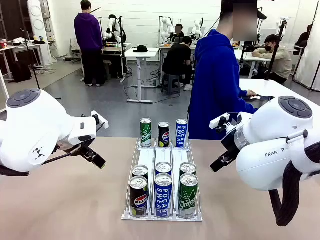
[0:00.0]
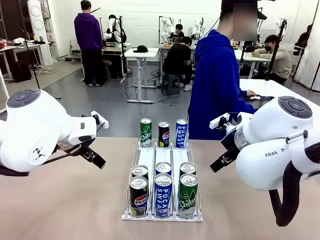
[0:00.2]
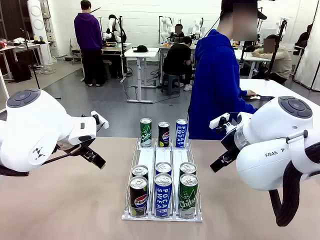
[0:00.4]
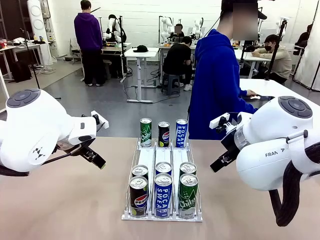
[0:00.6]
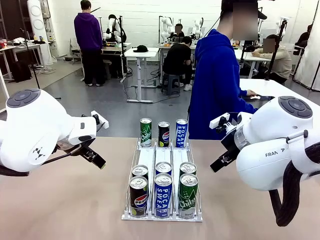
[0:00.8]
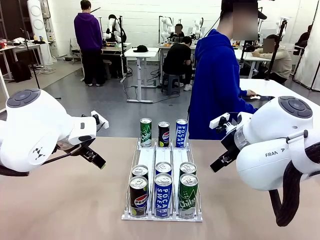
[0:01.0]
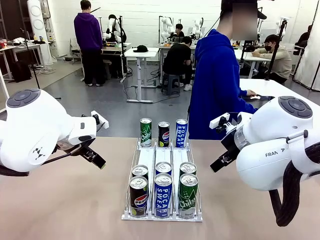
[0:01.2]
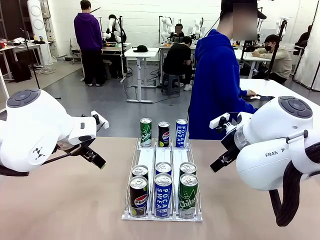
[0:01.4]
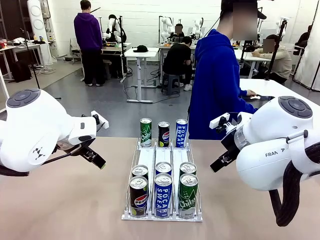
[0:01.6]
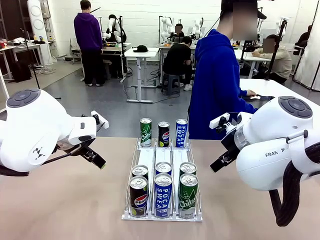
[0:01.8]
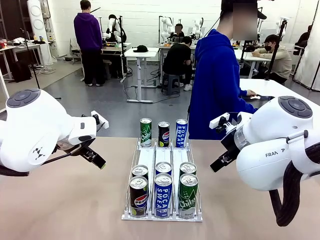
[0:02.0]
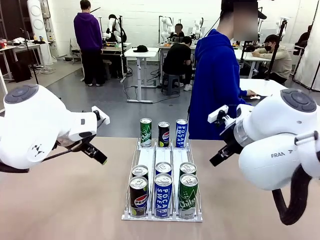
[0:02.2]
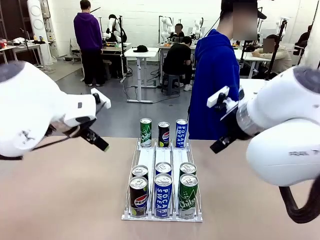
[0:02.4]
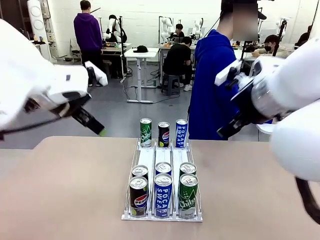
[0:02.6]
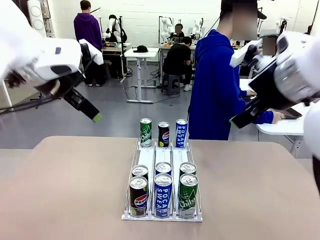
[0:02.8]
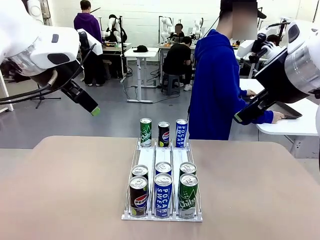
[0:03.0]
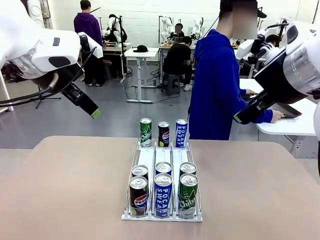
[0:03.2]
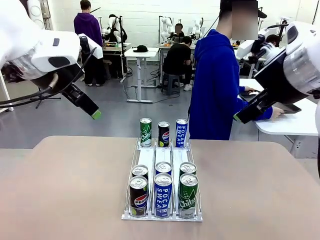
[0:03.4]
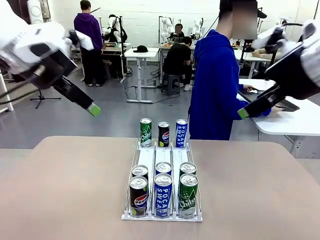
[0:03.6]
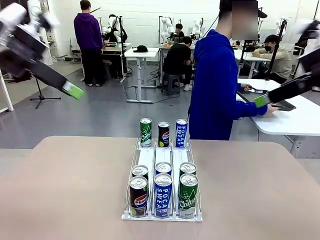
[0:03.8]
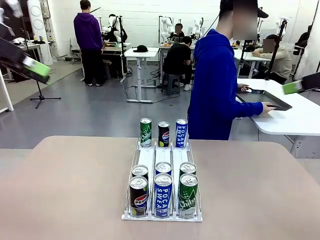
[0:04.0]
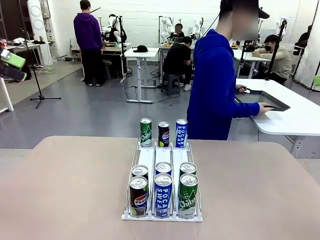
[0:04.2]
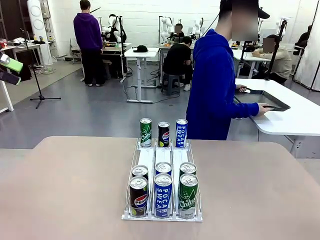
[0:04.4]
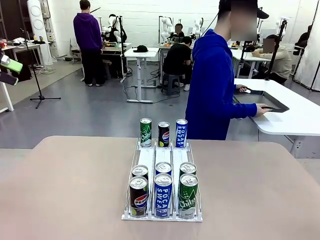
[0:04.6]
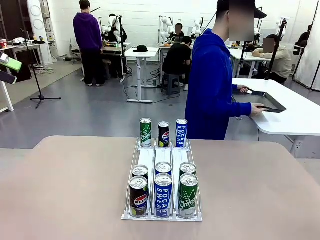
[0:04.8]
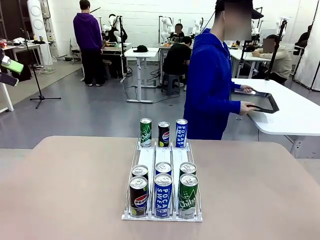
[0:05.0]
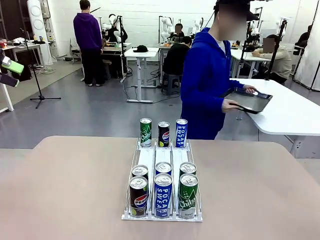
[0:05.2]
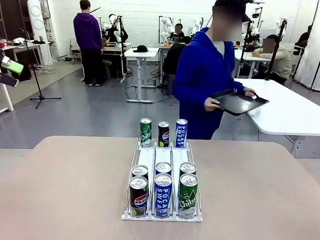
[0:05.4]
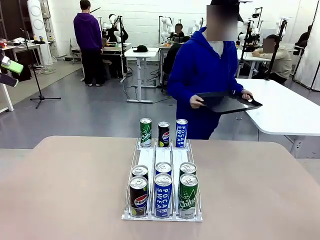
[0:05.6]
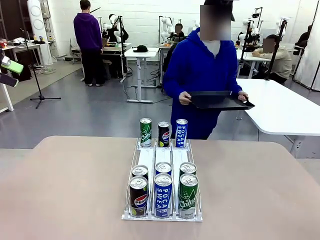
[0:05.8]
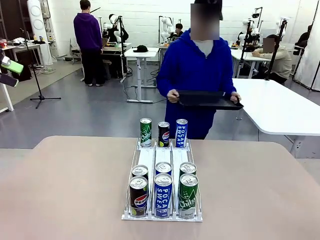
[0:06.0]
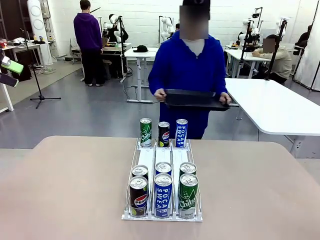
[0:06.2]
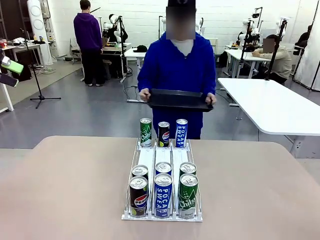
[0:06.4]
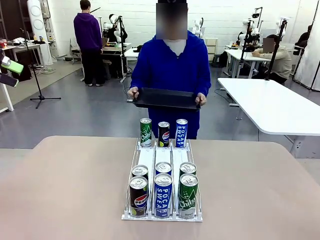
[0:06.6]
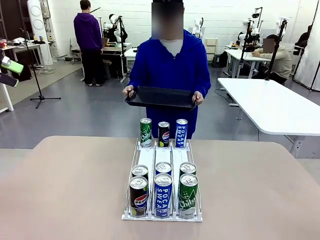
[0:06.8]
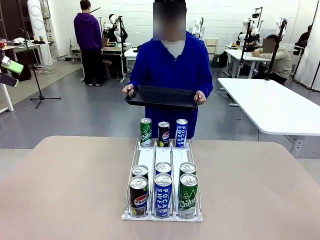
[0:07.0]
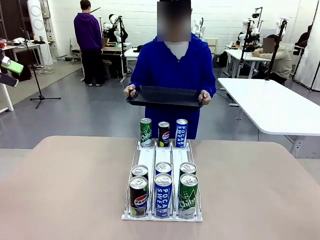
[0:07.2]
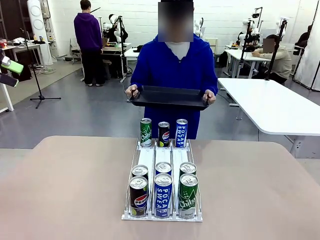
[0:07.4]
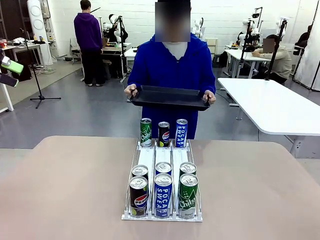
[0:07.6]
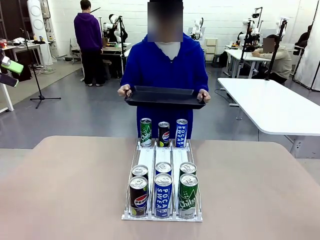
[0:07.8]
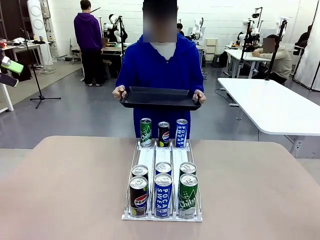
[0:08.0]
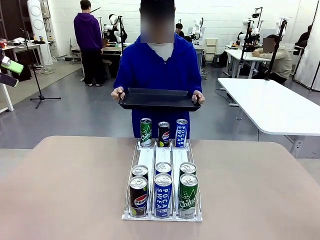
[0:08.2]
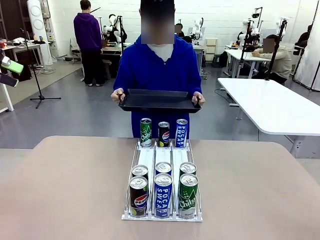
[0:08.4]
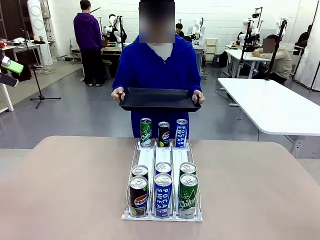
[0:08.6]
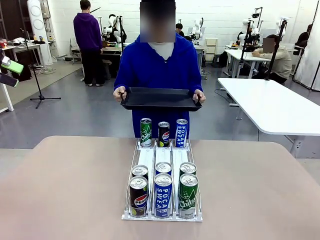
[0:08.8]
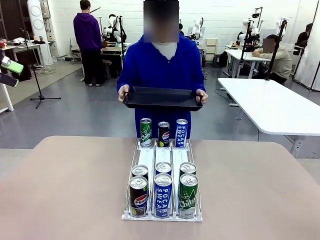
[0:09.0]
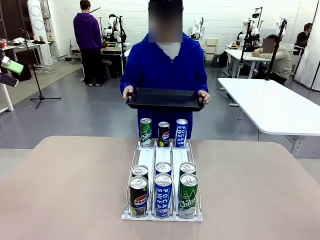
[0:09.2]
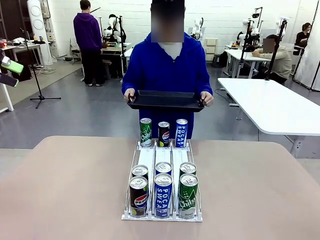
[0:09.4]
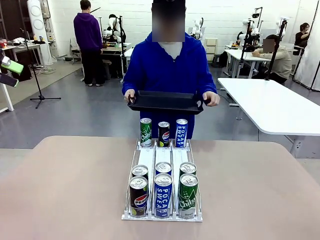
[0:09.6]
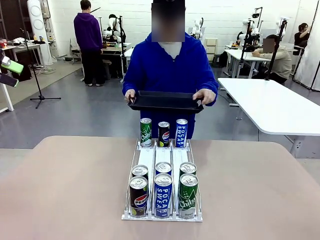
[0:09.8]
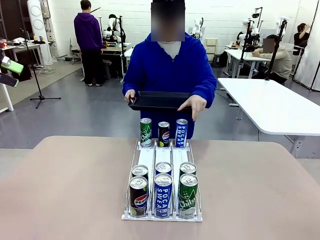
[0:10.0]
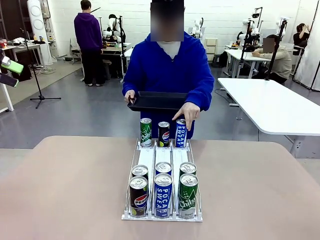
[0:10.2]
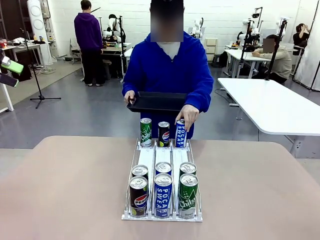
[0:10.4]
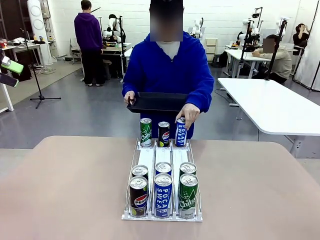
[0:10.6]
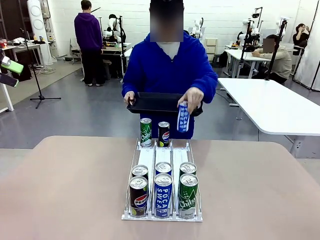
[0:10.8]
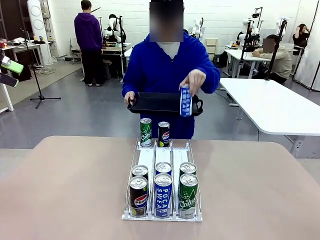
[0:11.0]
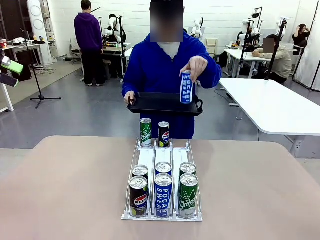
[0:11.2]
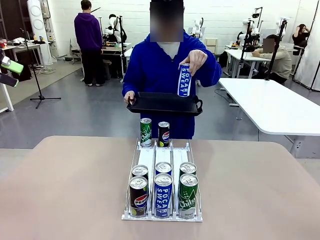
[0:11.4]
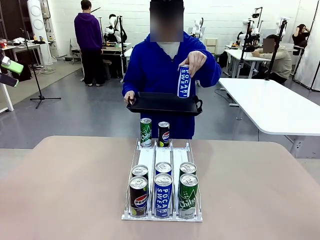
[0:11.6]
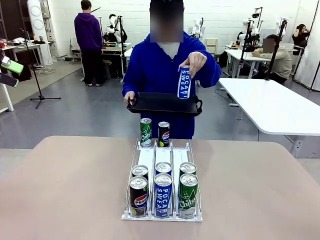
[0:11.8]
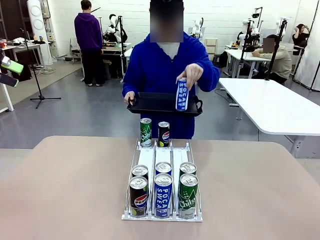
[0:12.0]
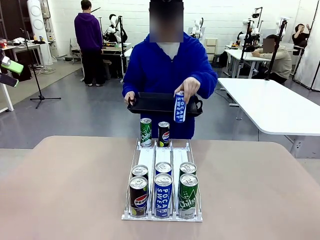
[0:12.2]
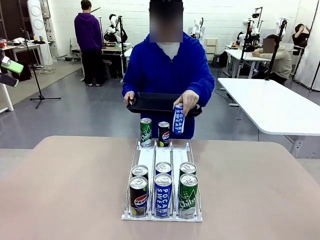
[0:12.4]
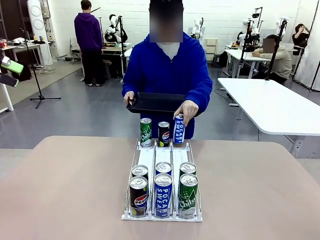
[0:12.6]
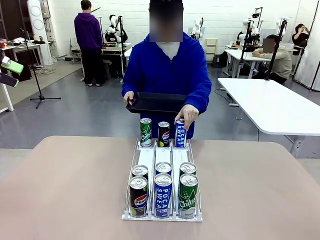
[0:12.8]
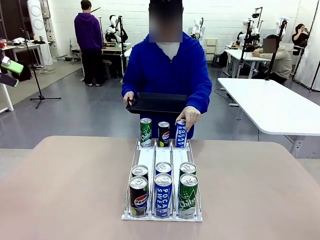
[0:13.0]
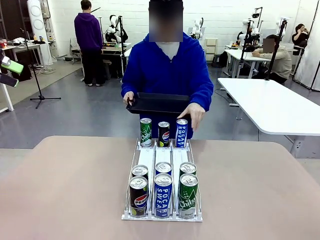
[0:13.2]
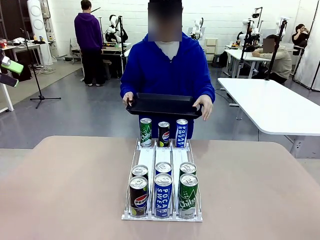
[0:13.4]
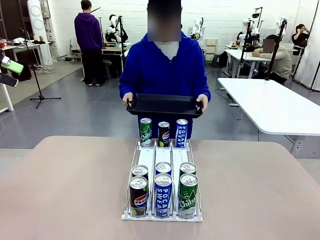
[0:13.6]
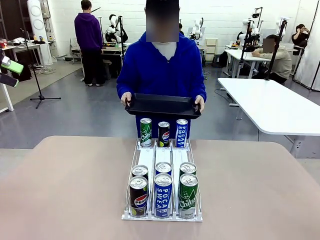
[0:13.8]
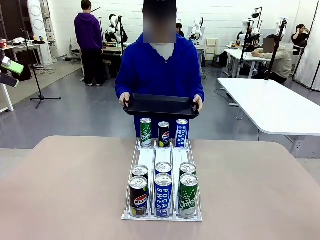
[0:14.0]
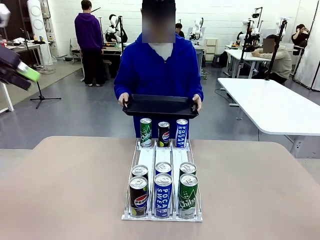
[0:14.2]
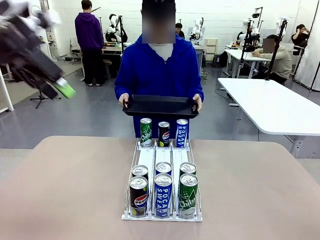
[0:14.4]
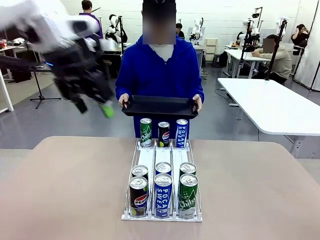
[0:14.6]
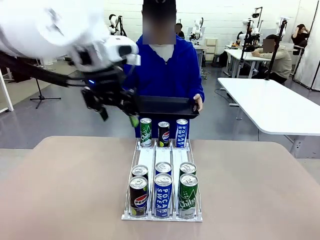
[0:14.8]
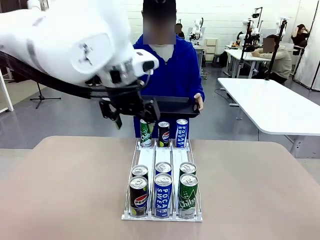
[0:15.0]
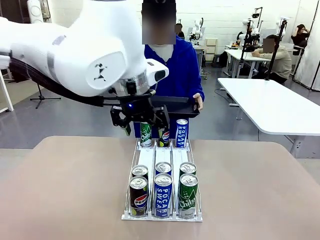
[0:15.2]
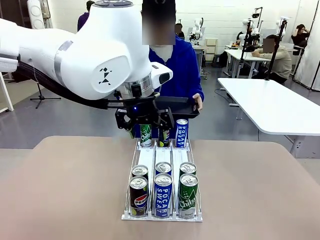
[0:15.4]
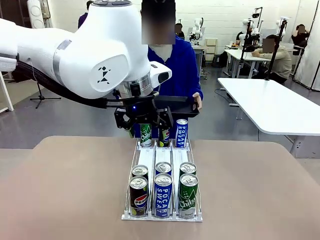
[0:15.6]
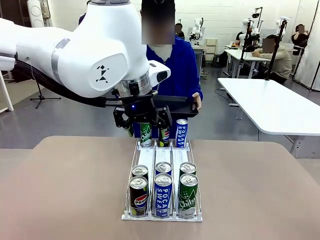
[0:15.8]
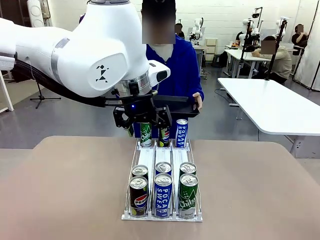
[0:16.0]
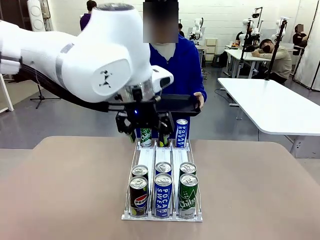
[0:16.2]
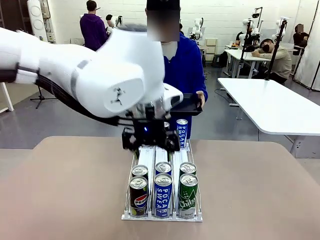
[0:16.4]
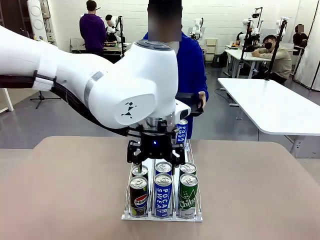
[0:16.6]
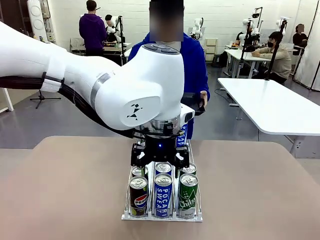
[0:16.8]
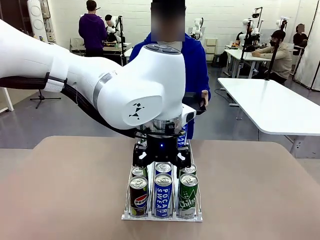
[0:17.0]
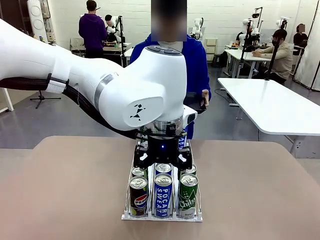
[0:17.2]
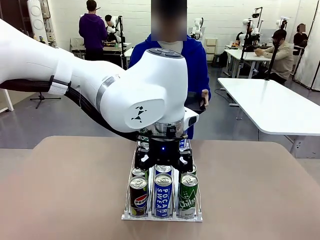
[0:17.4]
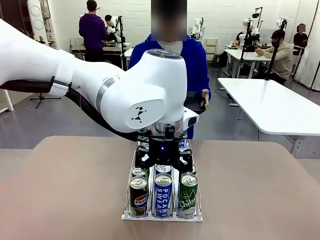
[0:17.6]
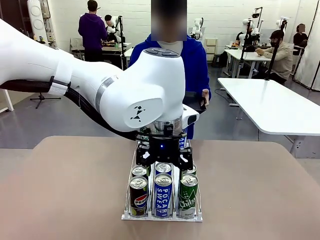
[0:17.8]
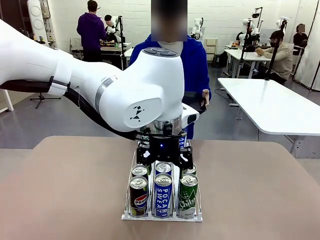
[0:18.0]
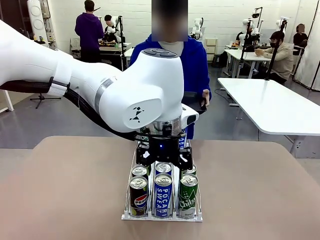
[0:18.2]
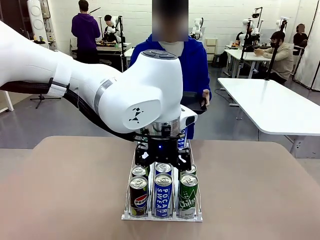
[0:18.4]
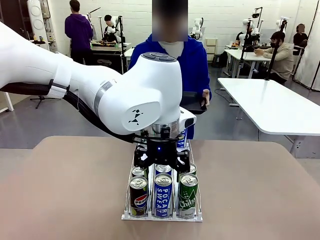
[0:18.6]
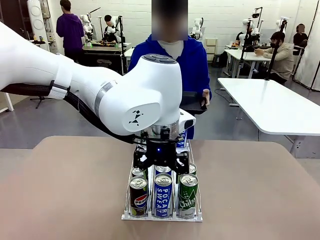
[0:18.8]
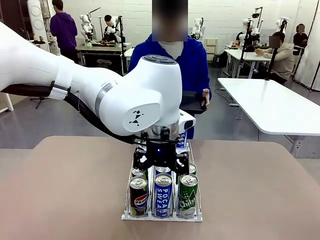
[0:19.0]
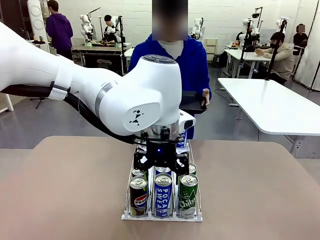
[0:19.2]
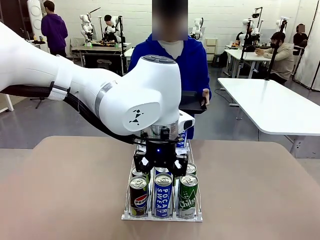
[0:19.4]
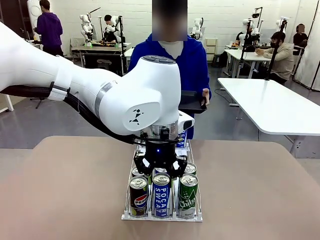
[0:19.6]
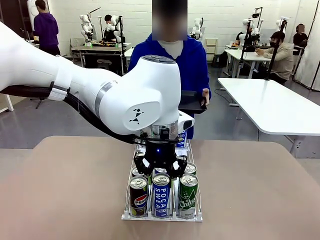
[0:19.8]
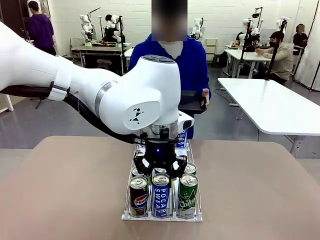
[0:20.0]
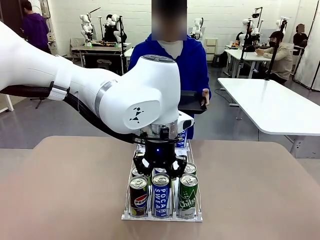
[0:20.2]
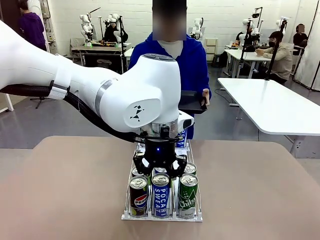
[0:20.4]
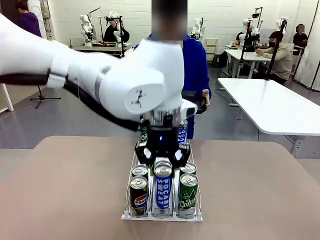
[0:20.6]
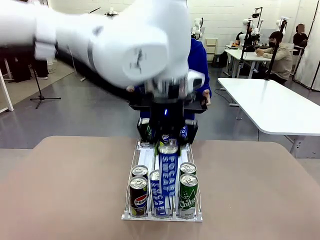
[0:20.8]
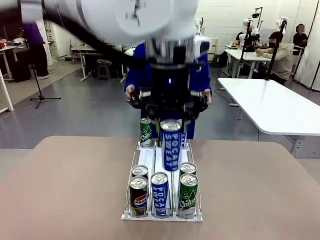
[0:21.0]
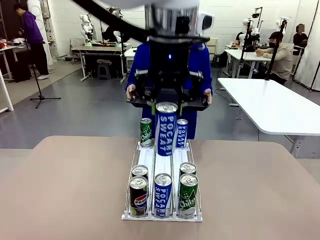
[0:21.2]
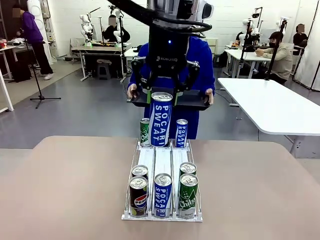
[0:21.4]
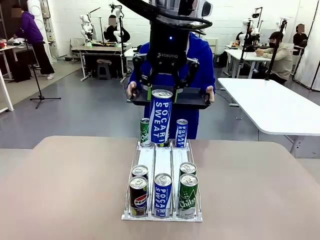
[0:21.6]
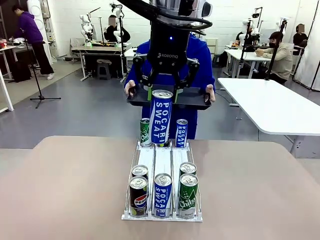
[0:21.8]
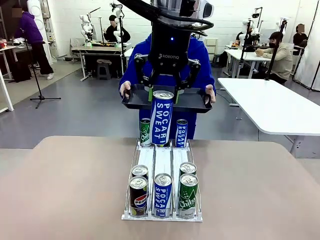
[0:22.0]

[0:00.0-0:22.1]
Task: Retrieve and hand over the desired beverage to the person.
Robot: Pick up a can of the same type that the person held from the Automatic Can Dispenser.
Person: Hold the tray and position yourself in front of the robot table. Pick up one can from the bottom area of the table and puts it back in its original place. Push the tray toward the robot.
